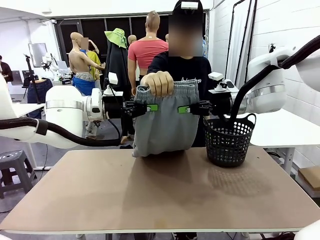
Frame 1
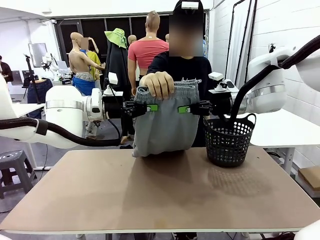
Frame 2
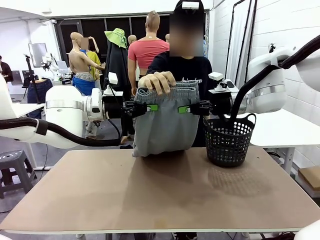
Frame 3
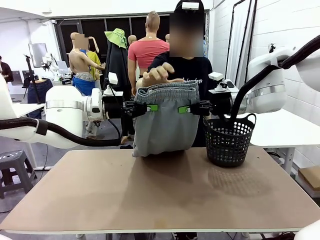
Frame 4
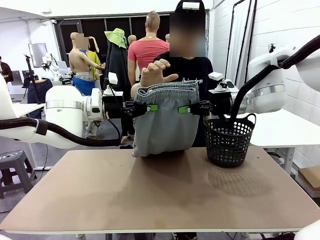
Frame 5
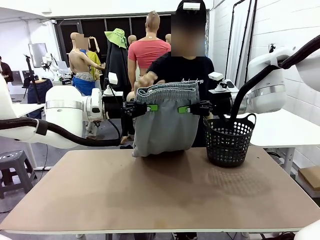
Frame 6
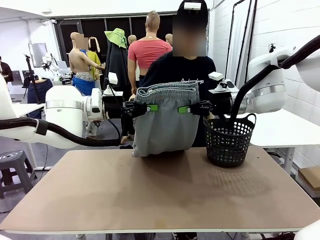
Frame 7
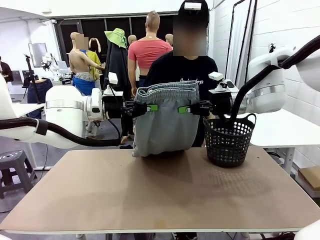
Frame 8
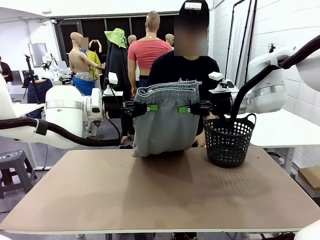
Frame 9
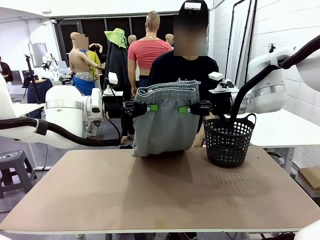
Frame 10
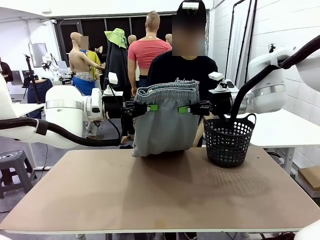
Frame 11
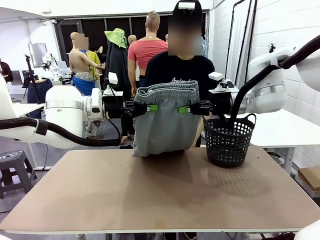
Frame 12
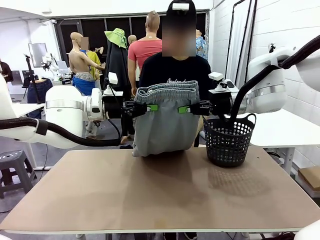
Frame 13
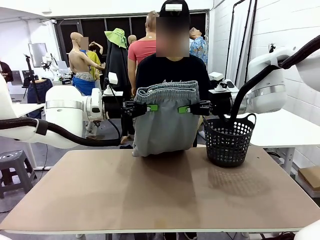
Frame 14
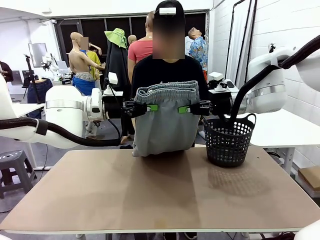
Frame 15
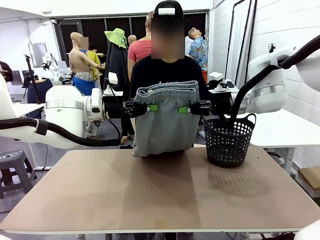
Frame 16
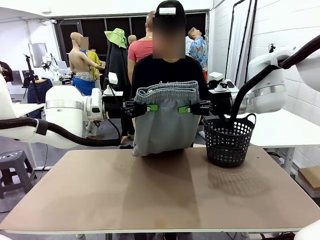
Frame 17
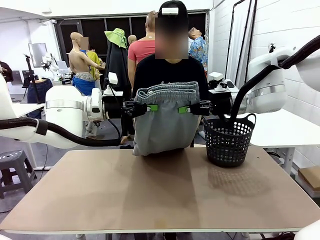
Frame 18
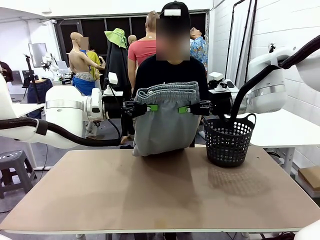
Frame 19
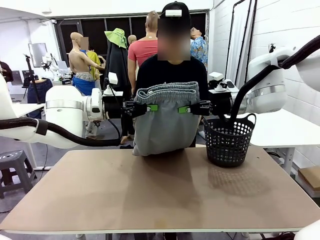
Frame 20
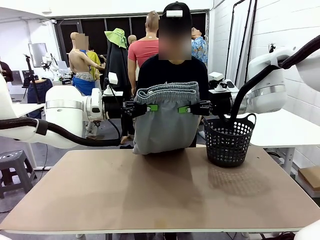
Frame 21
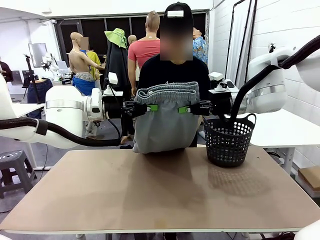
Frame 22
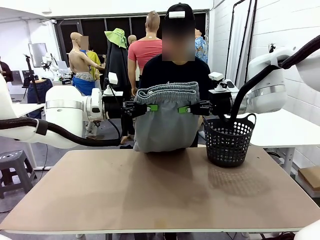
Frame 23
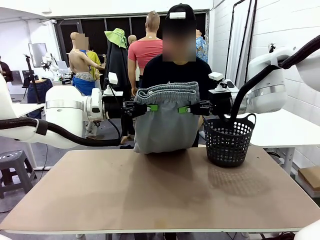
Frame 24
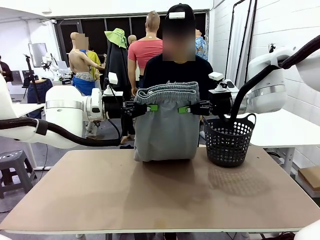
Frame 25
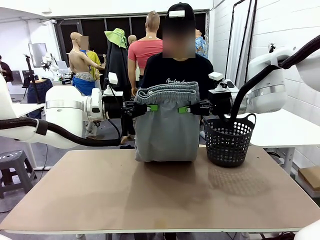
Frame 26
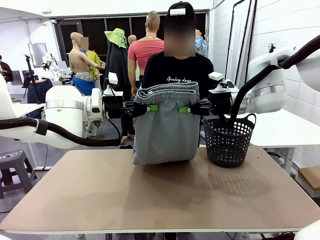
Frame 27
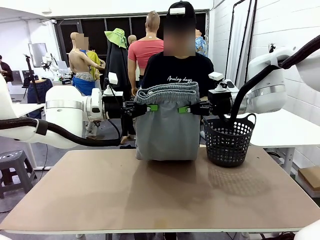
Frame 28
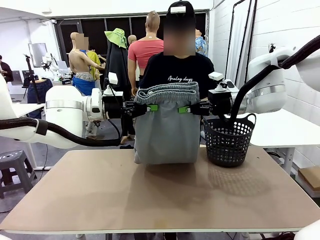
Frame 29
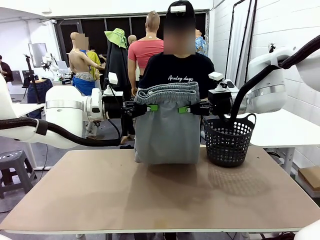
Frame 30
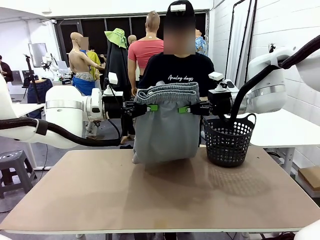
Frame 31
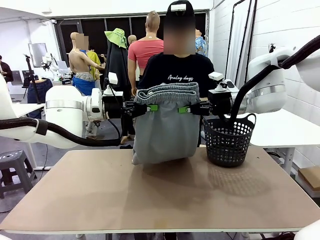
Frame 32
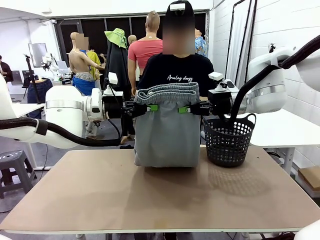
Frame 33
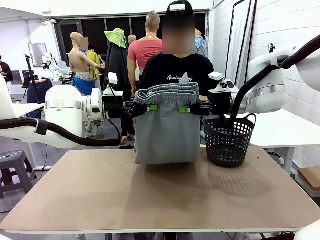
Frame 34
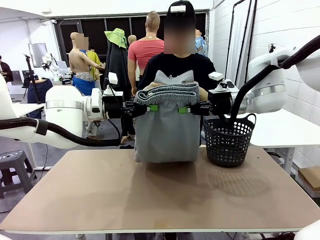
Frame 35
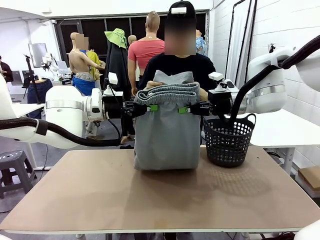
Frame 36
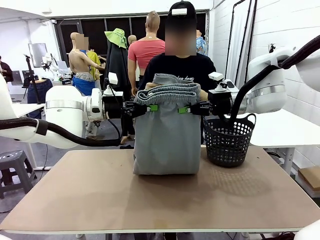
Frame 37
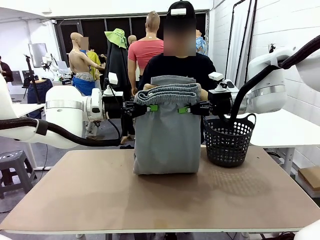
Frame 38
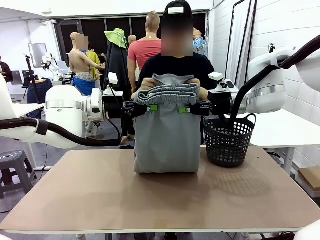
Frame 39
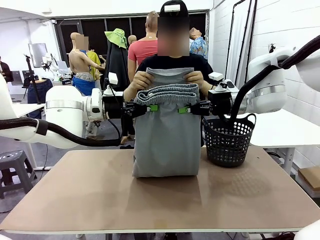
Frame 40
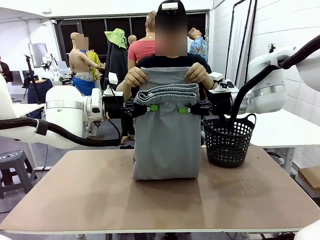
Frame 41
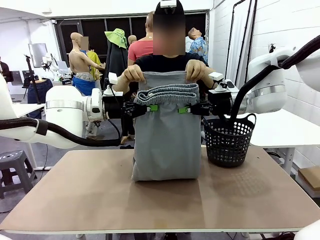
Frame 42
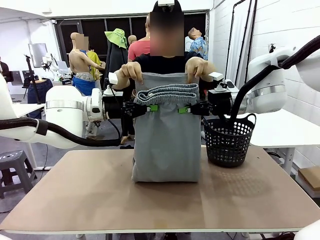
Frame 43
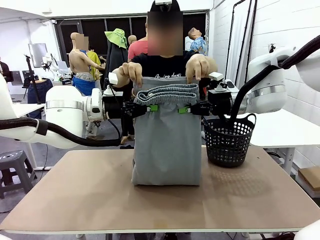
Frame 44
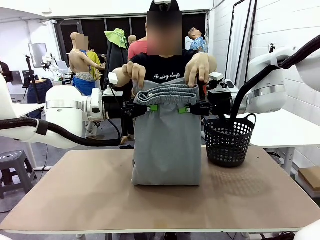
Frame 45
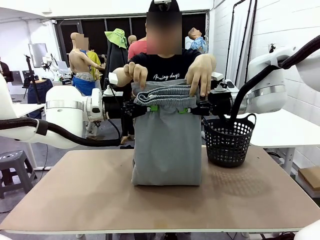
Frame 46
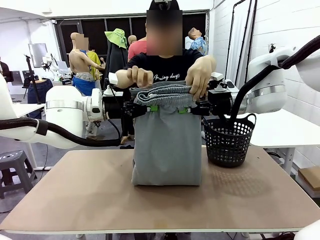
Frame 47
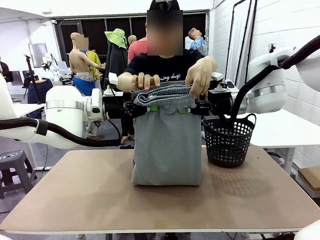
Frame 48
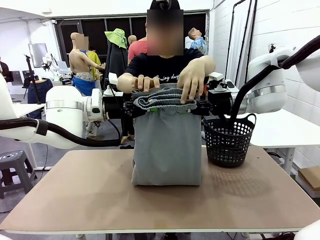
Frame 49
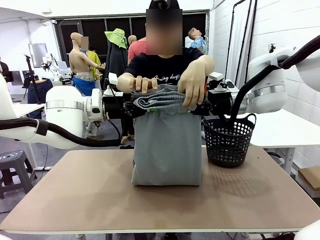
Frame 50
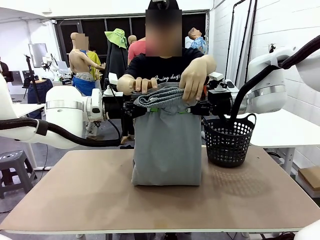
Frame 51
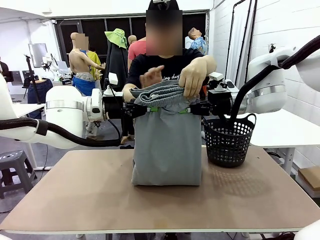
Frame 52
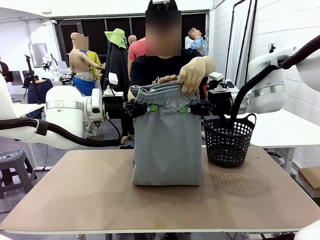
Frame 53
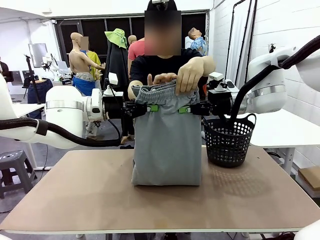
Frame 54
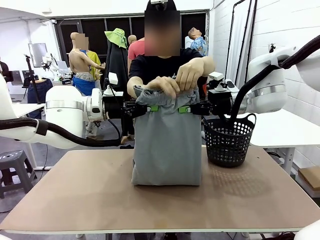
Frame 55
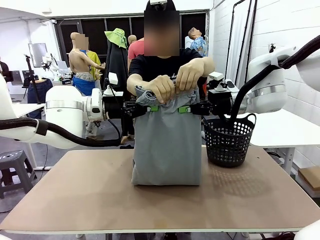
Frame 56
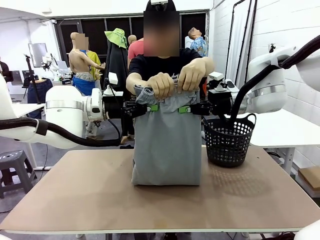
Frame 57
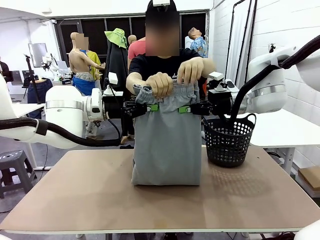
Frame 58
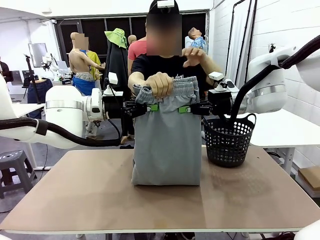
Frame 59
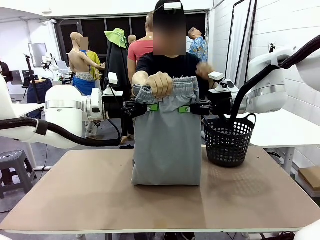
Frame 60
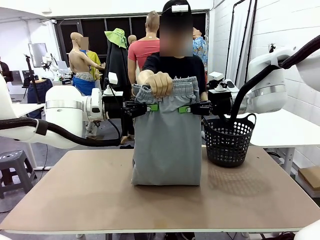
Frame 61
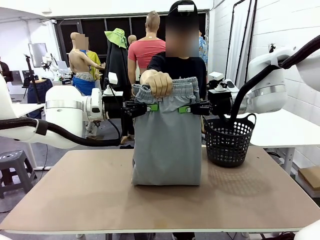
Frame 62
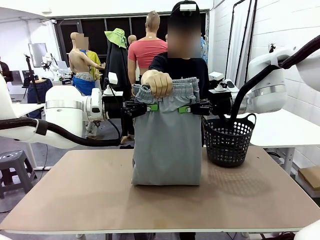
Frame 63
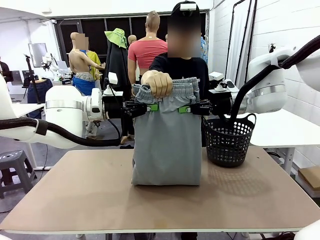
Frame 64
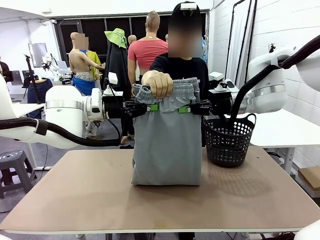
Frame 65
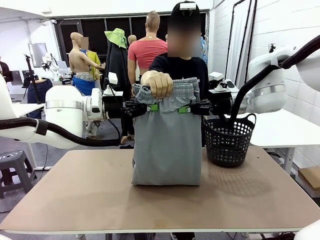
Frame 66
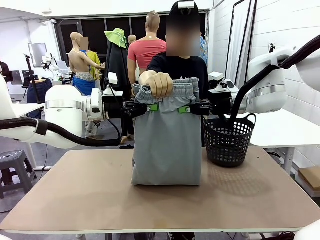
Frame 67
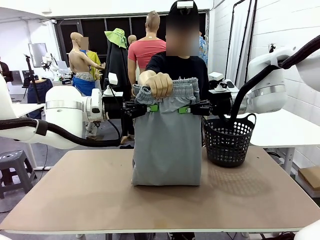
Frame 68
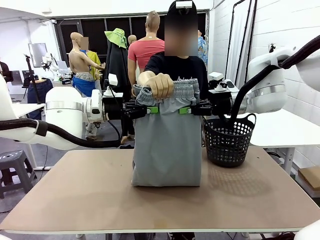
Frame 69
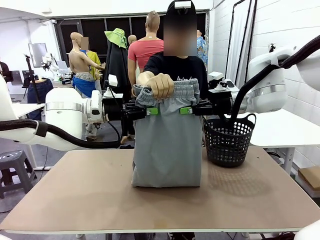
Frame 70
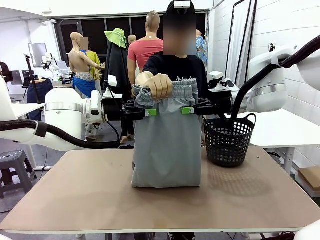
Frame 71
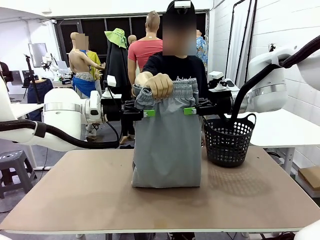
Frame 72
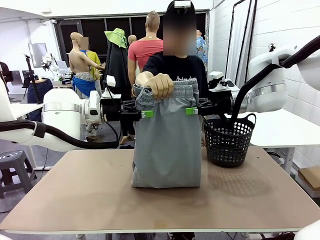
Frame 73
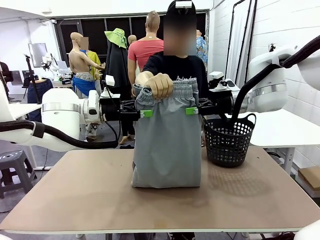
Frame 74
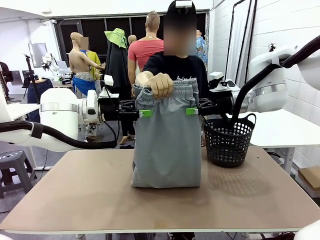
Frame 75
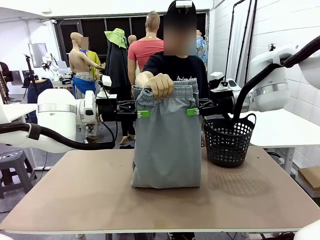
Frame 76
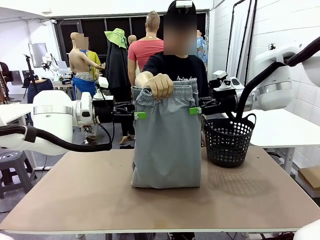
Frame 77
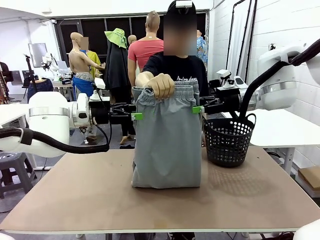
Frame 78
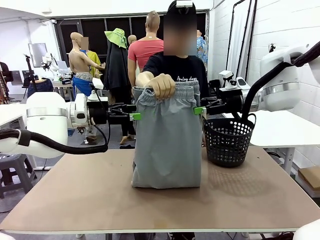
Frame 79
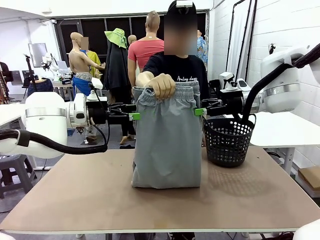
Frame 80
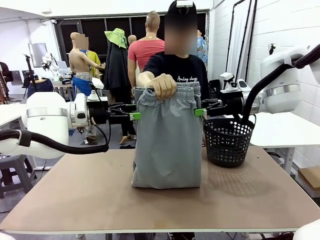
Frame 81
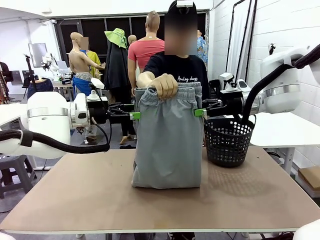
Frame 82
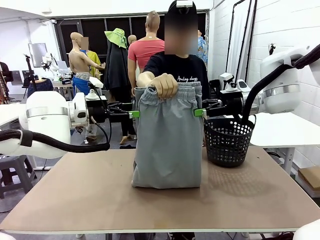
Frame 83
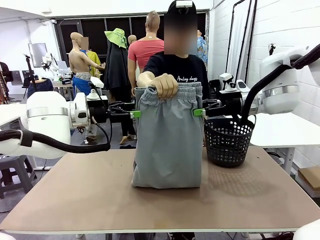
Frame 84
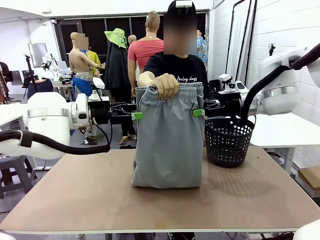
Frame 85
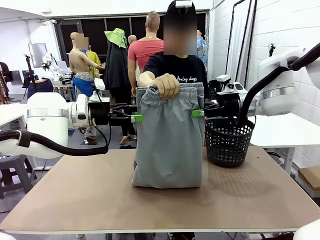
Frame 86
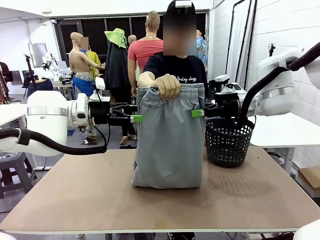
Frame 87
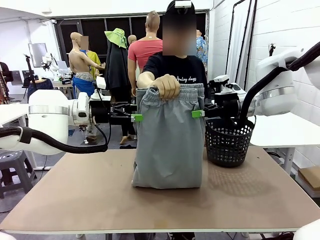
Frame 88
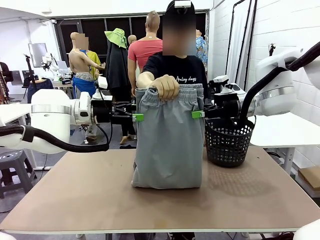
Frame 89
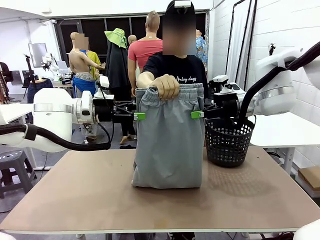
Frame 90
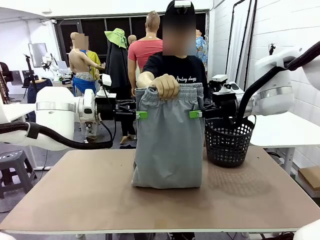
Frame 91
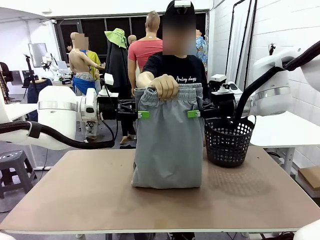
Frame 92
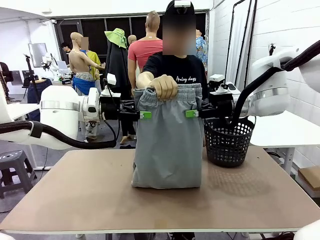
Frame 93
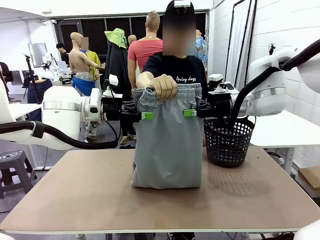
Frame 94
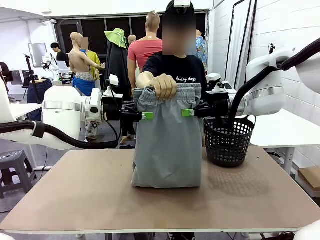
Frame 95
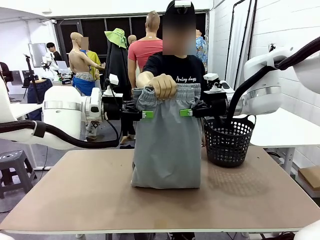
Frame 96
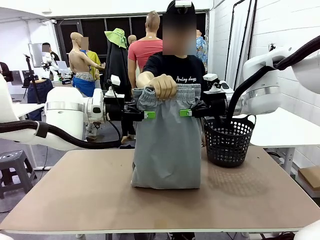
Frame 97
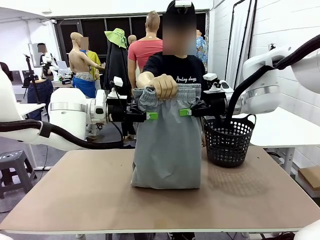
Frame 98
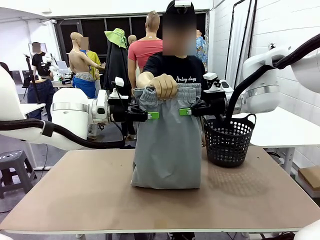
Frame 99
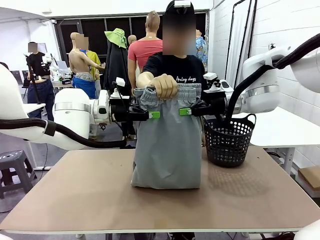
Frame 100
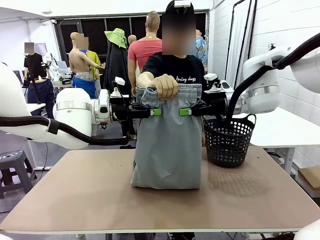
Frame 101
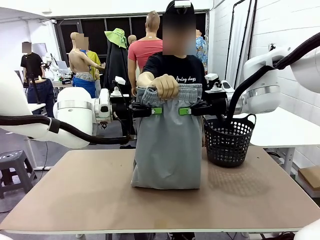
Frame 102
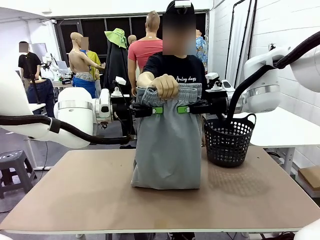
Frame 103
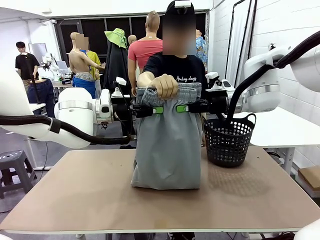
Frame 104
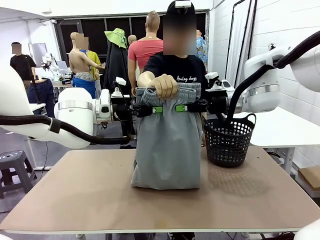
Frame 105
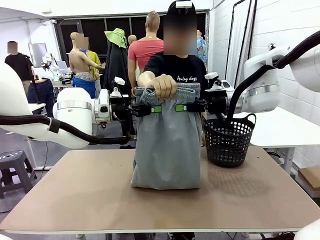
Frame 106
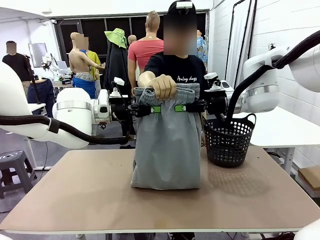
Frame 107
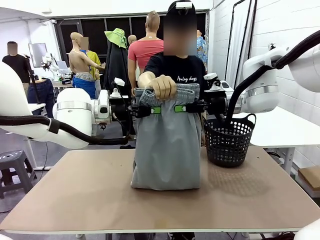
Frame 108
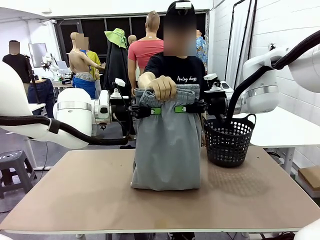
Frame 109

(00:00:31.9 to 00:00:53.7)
Task: Fold the training pants.
Robot: Release the ends of the Training pants and then grab the overlapped ends.
Person: Grasp the end opposite the point the robot is holding, fold the pants in half, and then grasp the overlapping top end of the folded pants. Release the pants you were holding.
